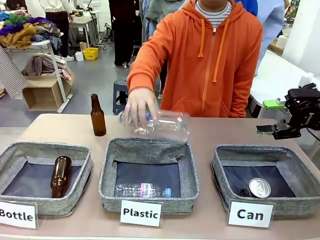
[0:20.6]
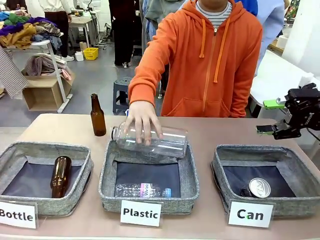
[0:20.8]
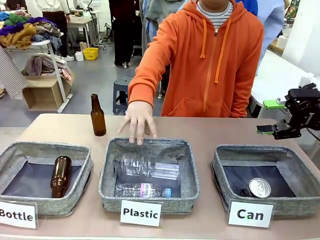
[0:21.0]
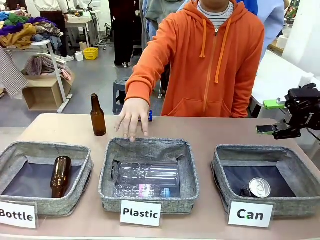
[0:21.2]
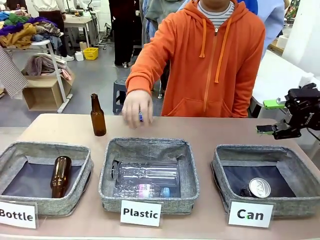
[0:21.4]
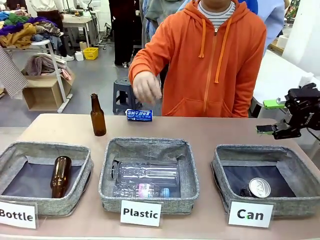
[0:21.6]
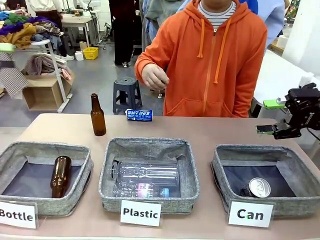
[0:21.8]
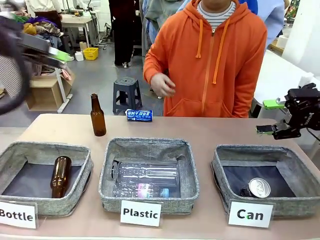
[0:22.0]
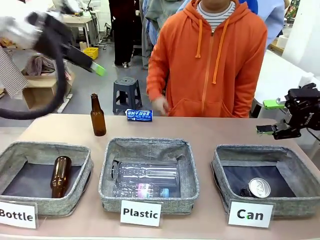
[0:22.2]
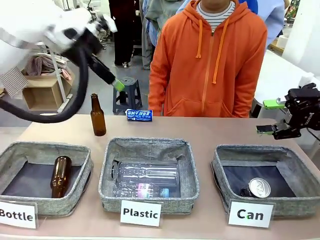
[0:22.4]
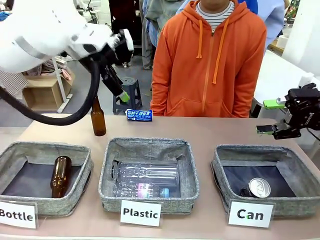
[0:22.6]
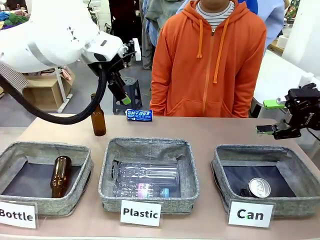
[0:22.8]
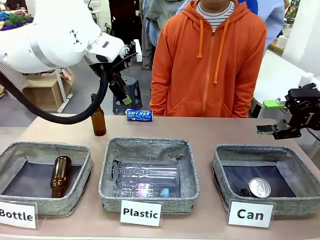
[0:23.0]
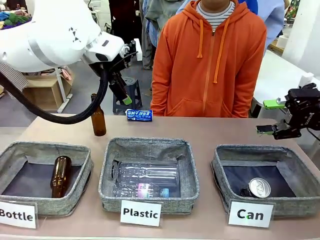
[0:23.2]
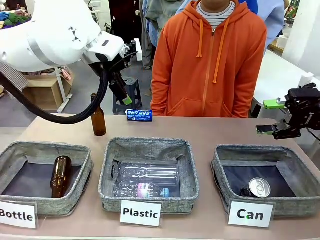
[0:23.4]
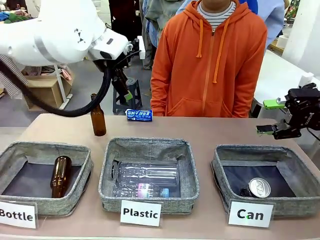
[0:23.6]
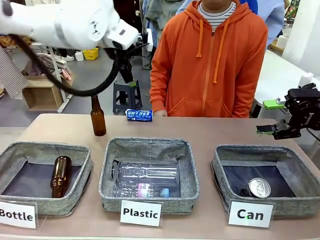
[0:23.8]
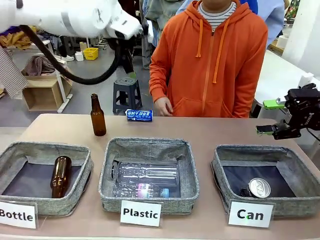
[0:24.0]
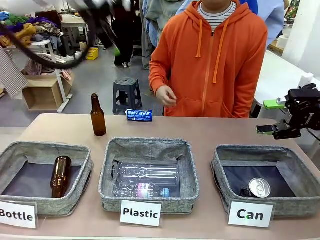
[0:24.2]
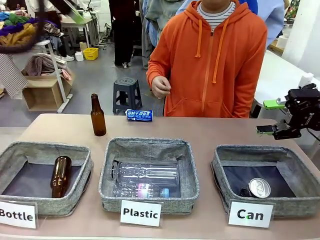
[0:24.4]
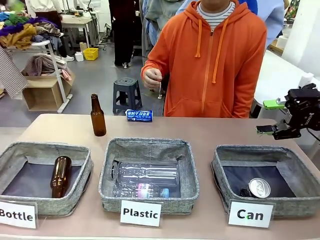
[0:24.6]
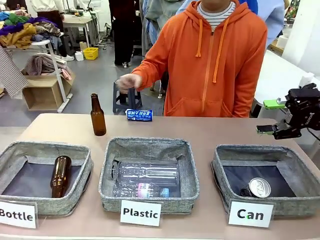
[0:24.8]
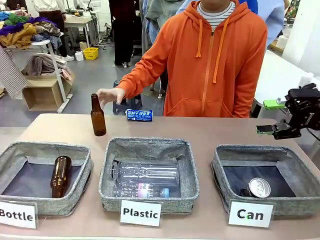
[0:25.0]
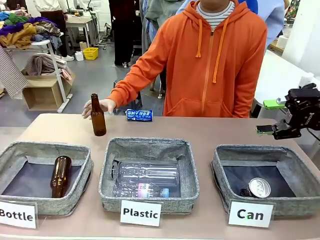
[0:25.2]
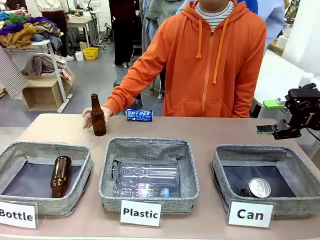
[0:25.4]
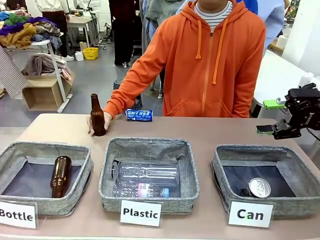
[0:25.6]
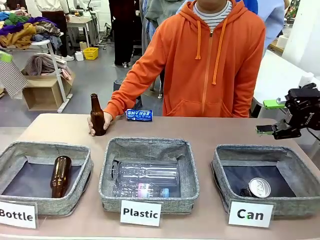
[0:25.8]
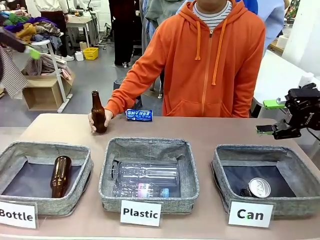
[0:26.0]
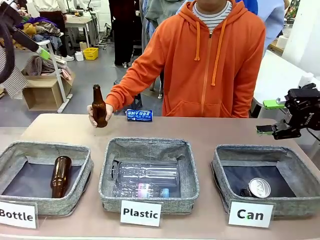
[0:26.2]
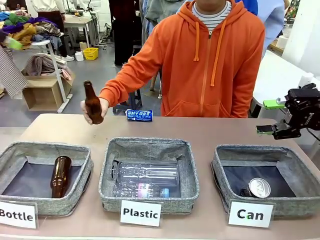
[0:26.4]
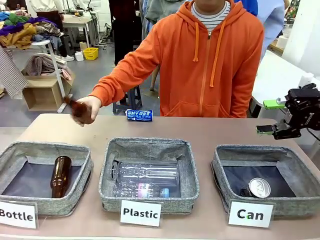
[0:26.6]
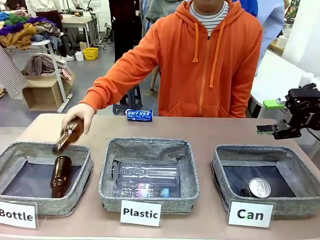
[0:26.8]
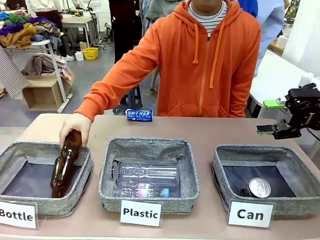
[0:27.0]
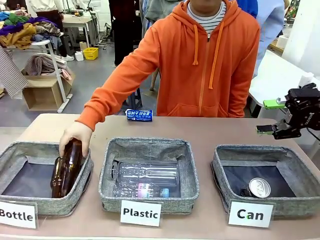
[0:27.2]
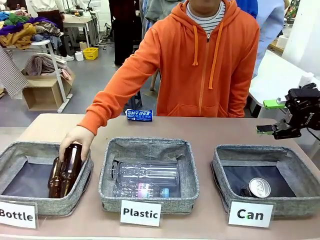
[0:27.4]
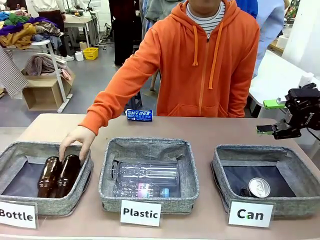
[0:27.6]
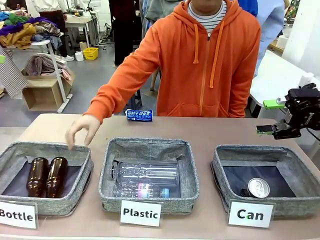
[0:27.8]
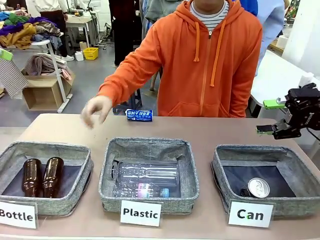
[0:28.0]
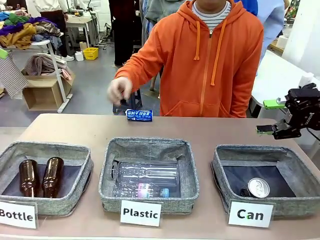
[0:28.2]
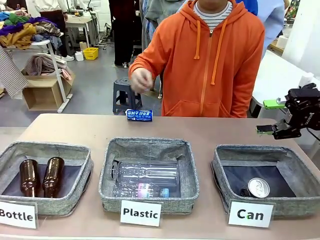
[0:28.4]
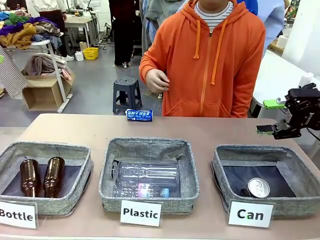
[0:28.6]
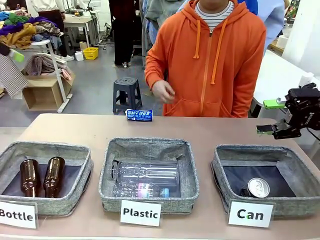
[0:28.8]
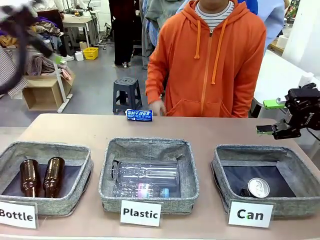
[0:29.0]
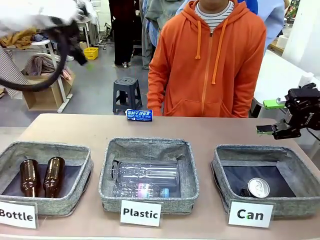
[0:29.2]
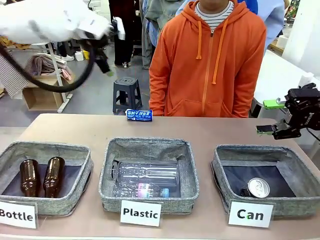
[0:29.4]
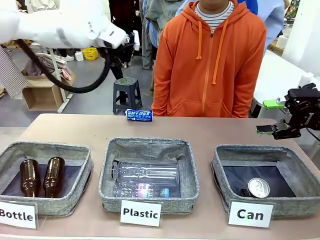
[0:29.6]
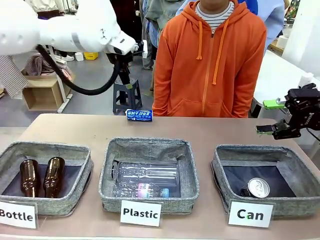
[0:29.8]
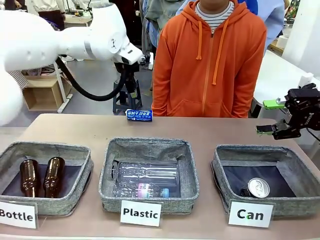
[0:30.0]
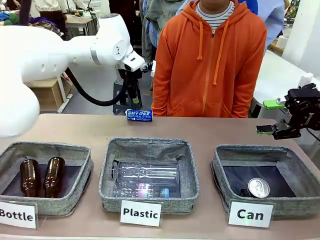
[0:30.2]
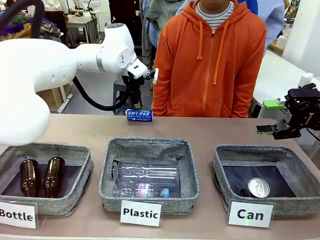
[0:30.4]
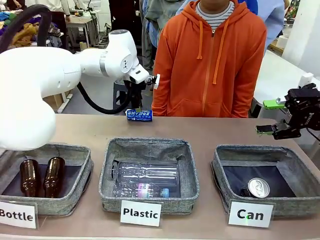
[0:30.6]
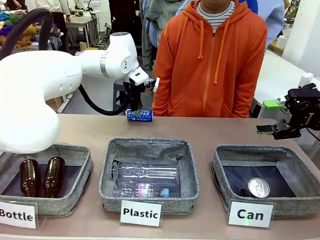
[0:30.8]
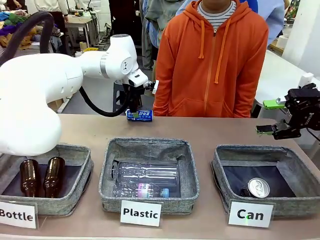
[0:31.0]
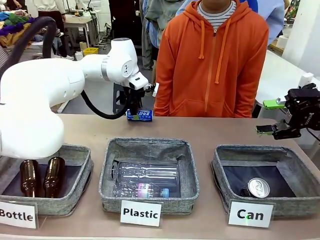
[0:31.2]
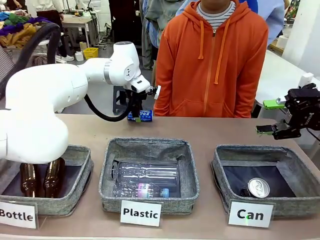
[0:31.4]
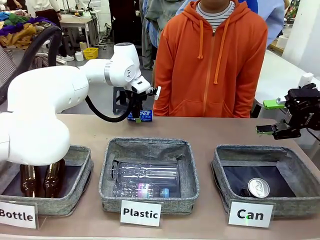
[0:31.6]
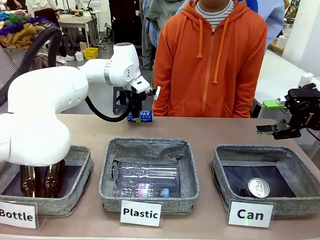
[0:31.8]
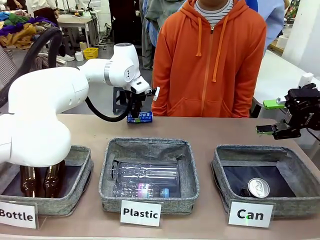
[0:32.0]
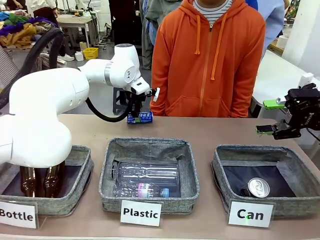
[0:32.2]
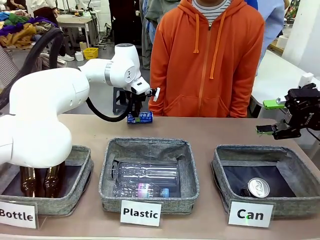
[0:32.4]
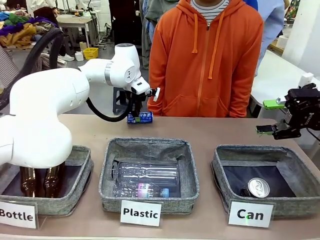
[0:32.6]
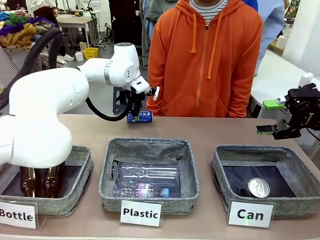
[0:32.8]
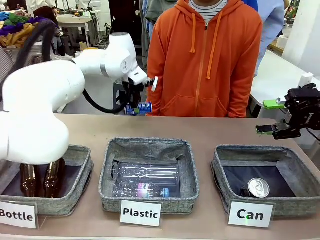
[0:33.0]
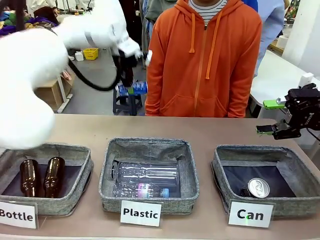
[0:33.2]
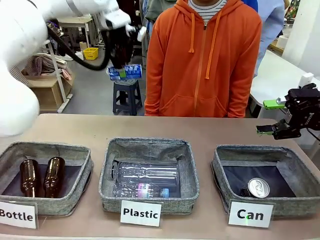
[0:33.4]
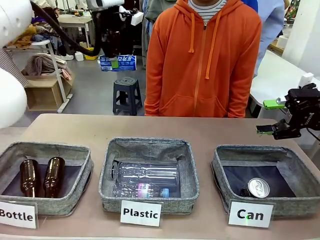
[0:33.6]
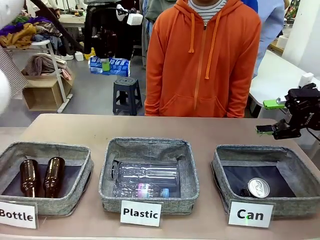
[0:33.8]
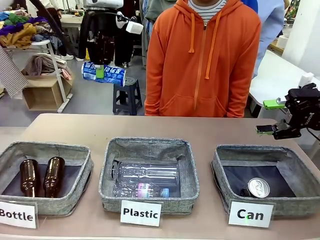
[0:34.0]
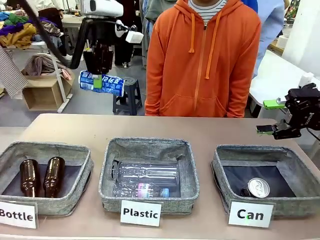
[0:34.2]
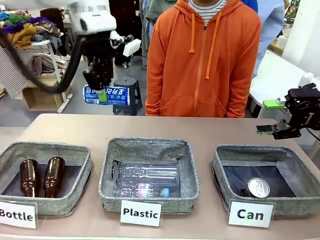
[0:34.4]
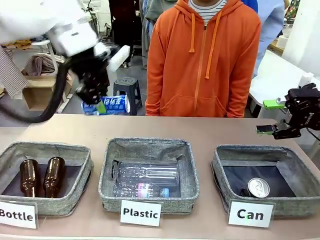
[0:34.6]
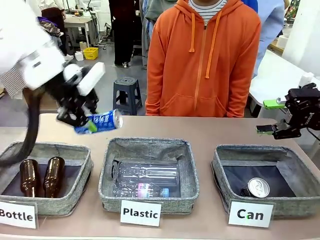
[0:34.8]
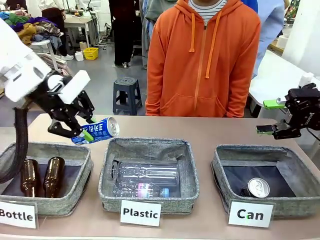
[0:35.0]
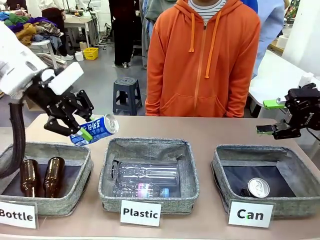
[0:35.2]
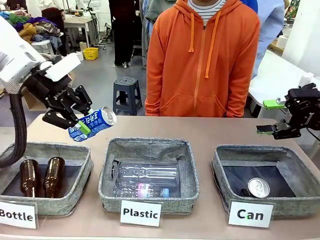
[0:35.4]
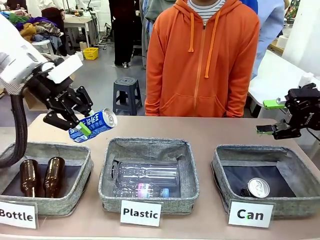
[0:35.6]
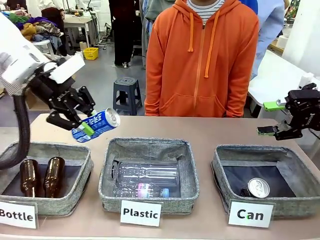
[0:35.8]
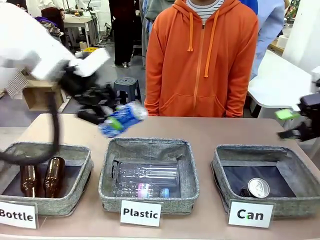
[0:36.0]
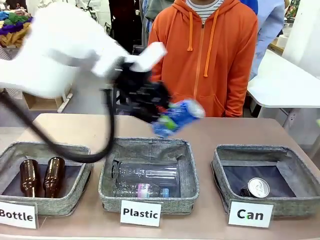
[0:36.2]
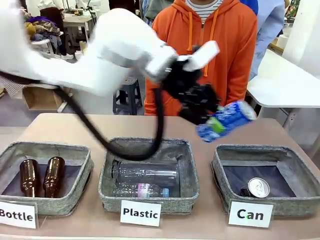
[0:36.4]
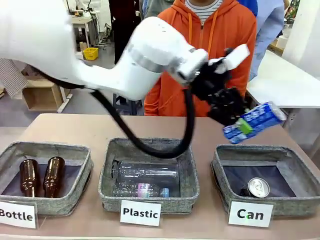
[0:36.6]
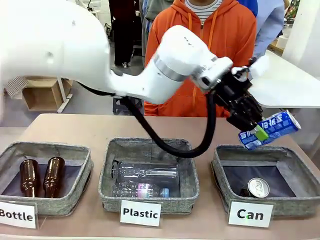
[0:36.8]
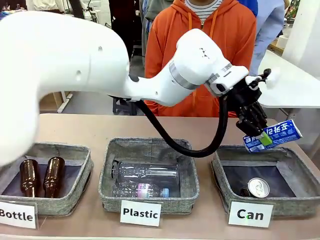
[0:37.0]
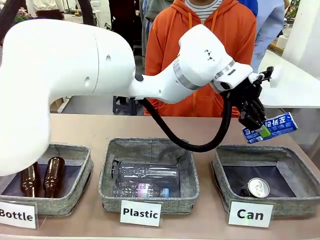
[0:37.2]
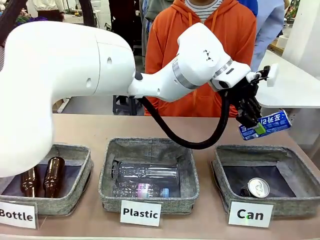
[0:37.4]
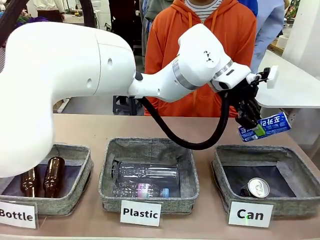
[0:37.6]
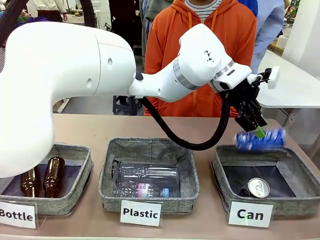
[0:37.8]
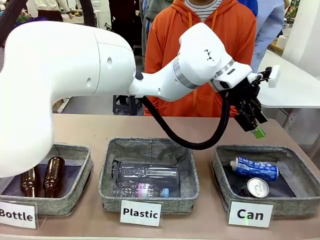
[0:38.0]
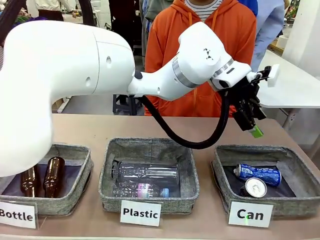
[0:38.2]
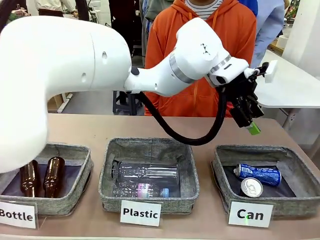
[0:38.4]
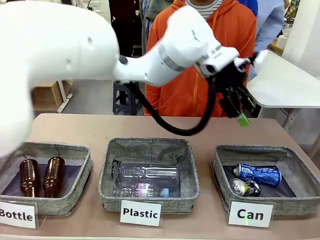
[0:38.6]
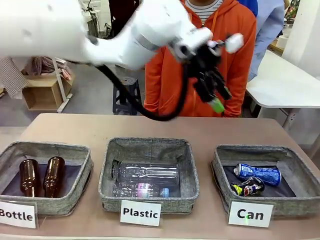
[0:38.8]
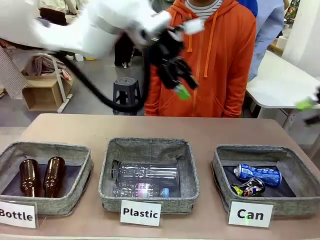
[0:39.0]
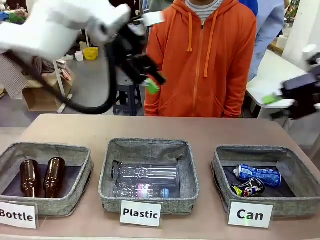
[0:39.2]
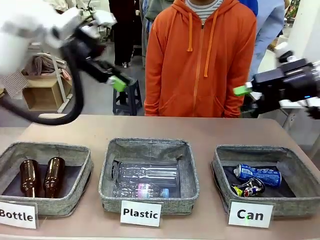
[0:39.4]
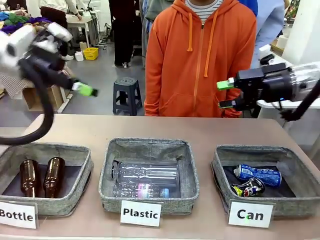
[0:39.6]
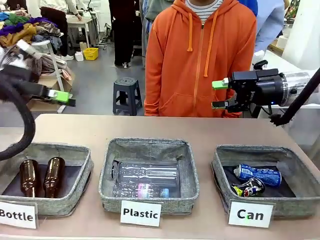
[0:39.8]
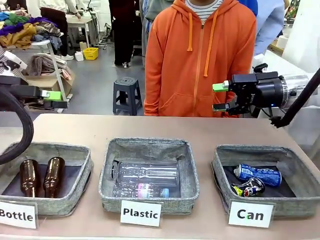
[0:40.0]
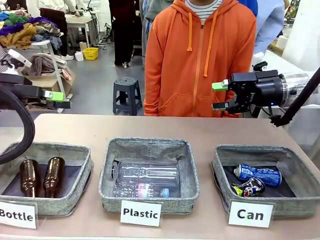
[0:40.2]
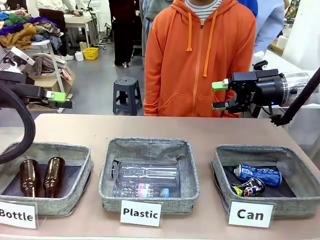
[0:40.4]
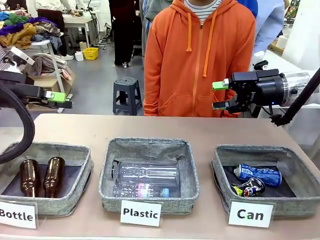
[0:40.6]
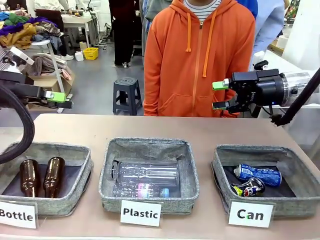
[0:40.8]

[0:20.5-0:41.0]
Task: Sort the can waste into the basket.
Robot: Pick up the can waste from the table and place it in the right Fabric basket.
